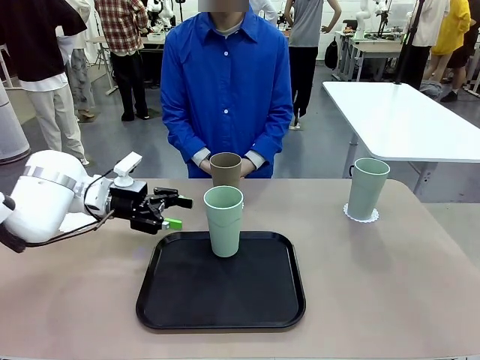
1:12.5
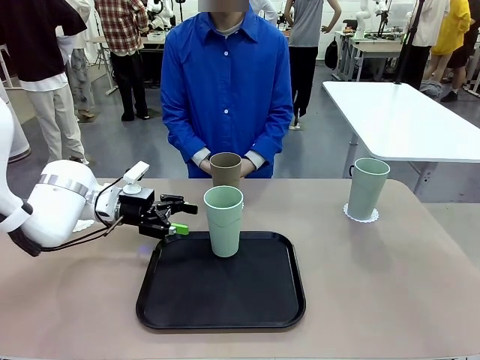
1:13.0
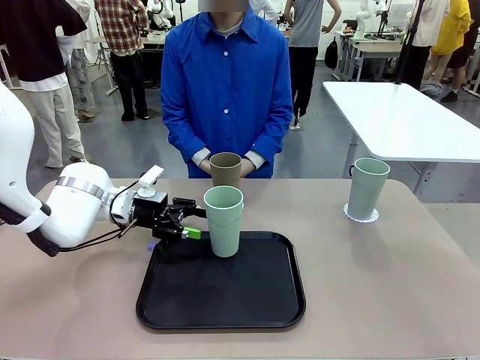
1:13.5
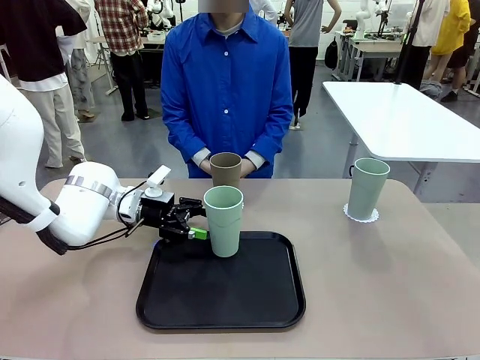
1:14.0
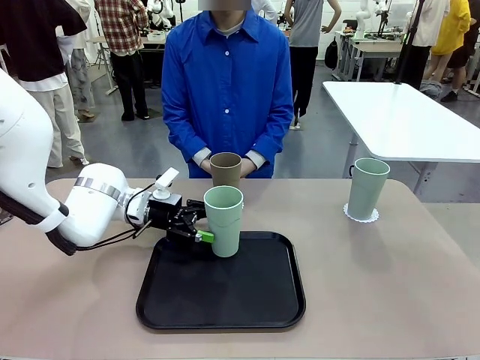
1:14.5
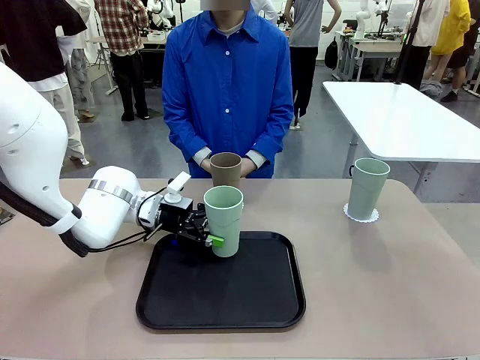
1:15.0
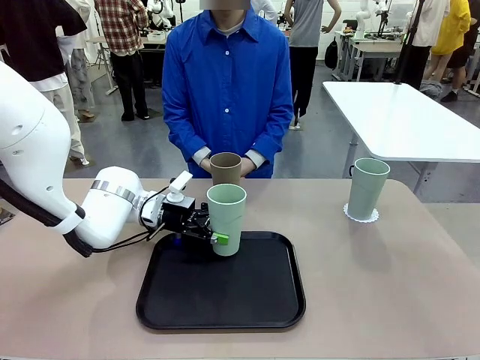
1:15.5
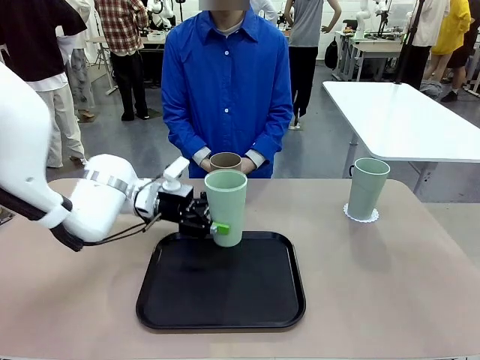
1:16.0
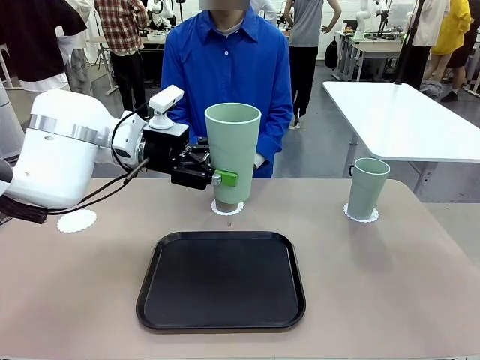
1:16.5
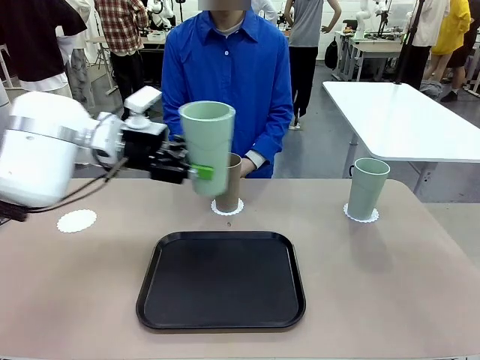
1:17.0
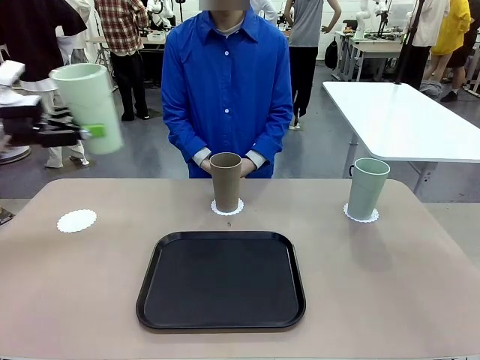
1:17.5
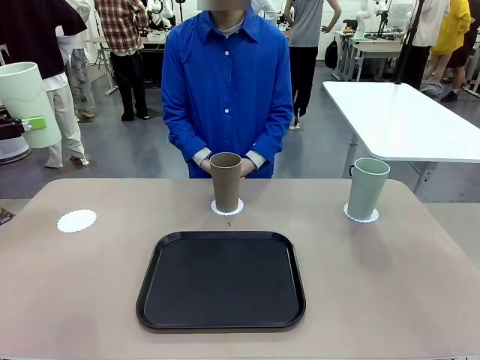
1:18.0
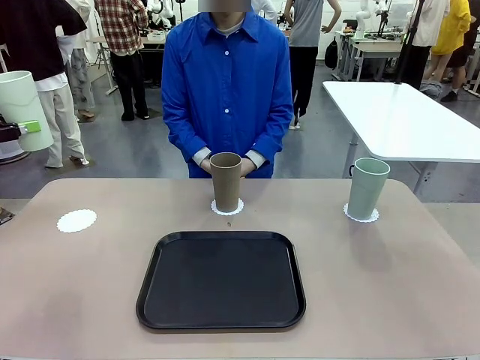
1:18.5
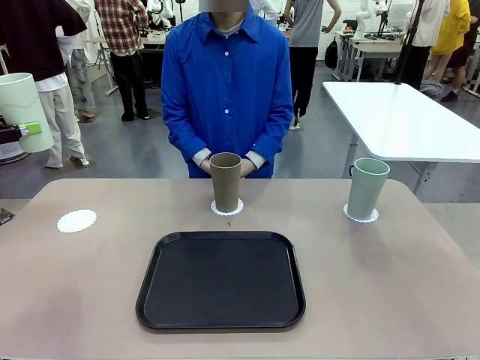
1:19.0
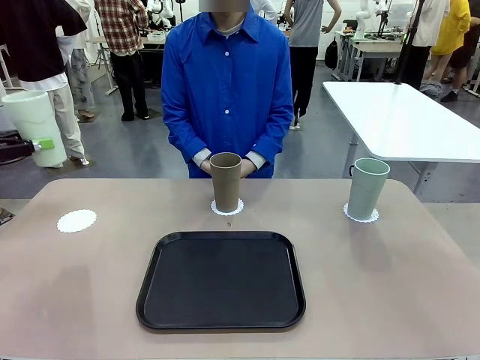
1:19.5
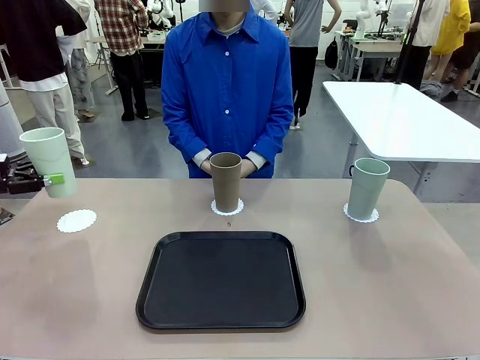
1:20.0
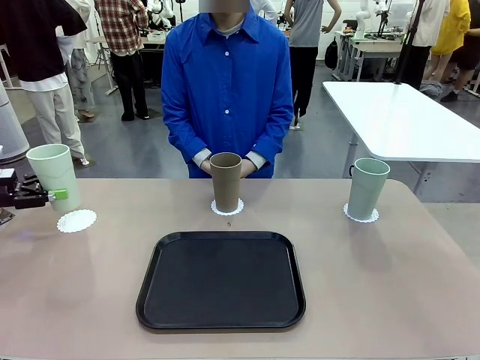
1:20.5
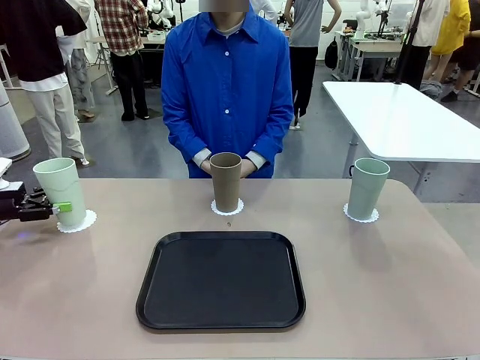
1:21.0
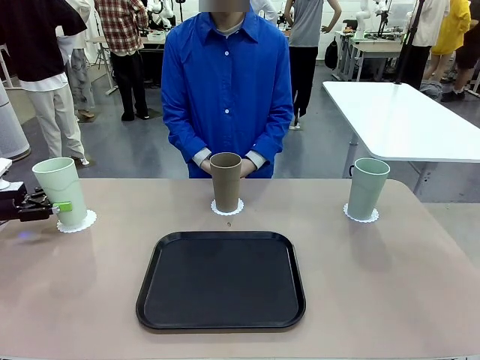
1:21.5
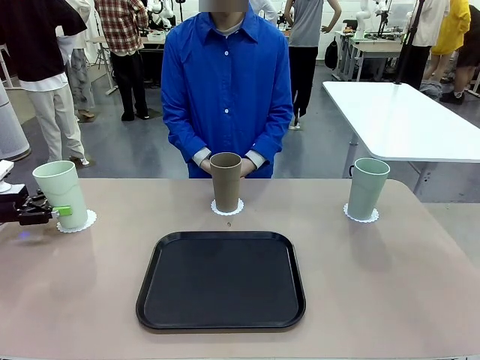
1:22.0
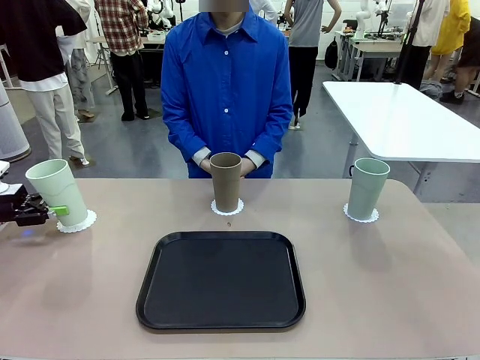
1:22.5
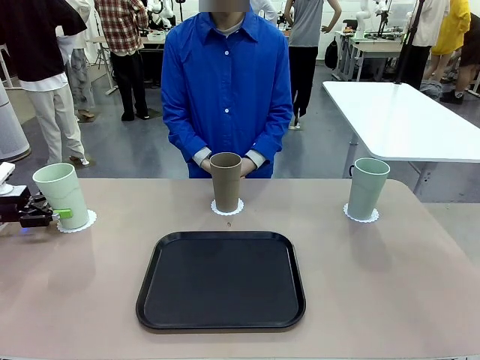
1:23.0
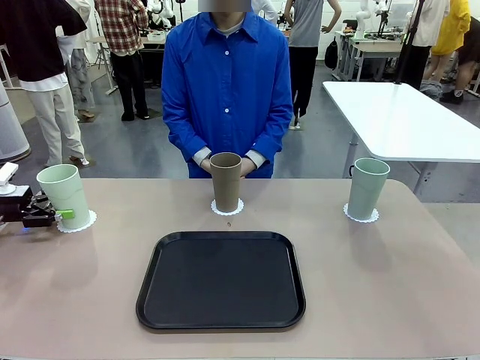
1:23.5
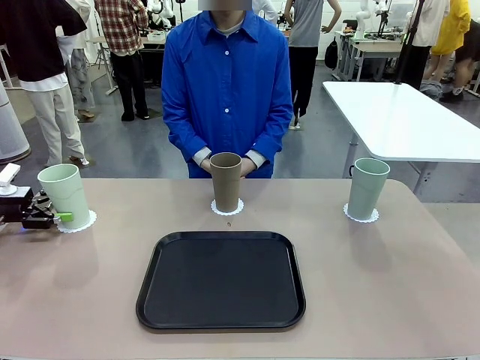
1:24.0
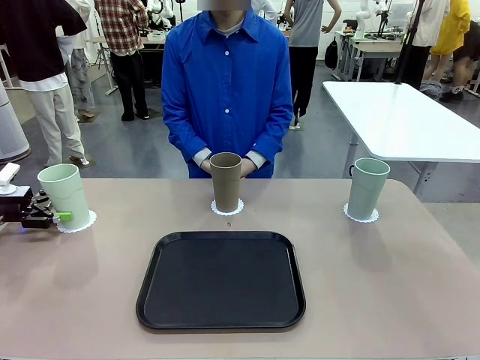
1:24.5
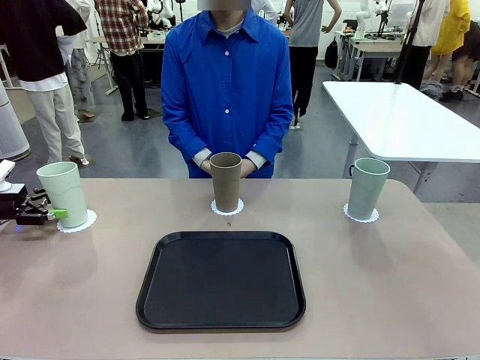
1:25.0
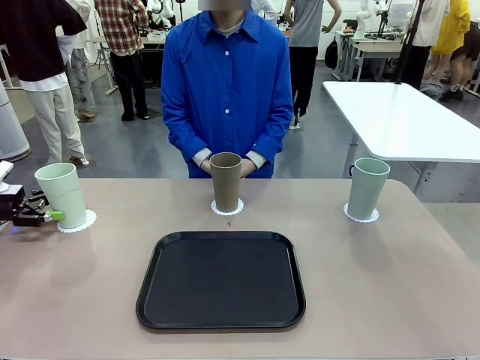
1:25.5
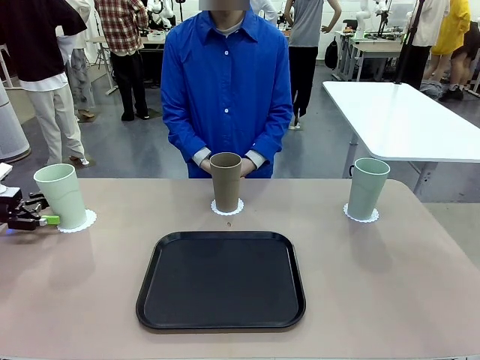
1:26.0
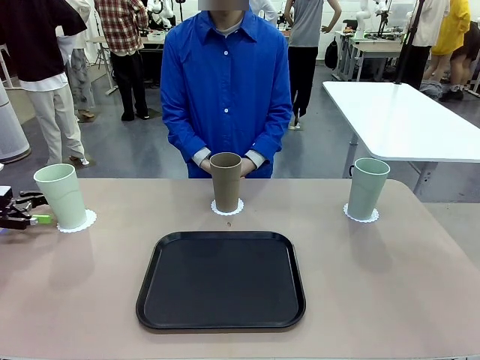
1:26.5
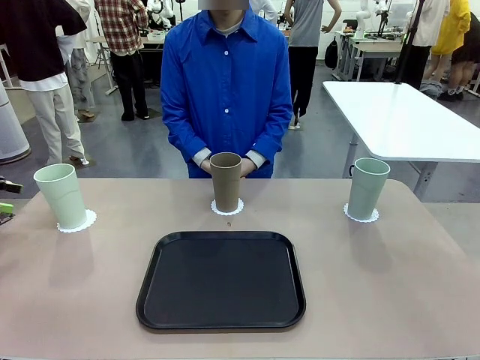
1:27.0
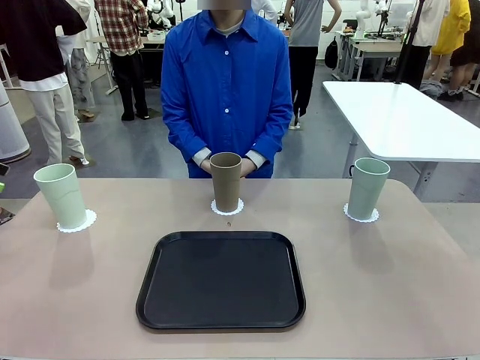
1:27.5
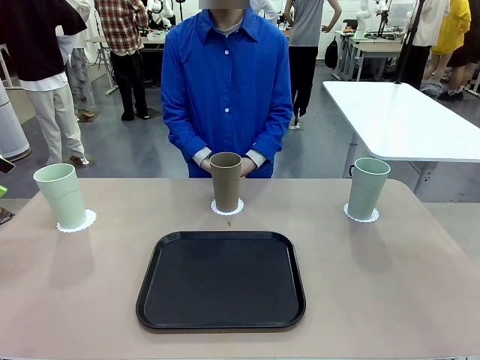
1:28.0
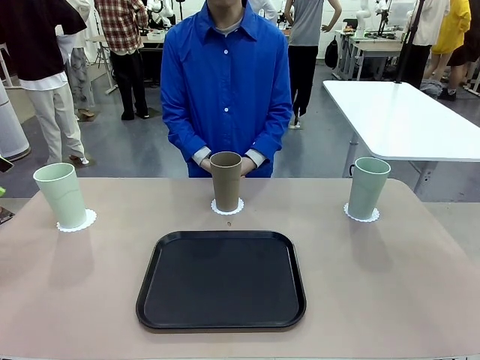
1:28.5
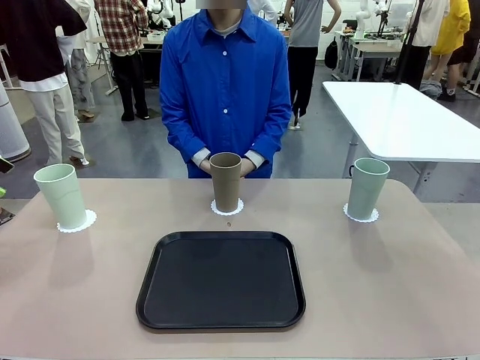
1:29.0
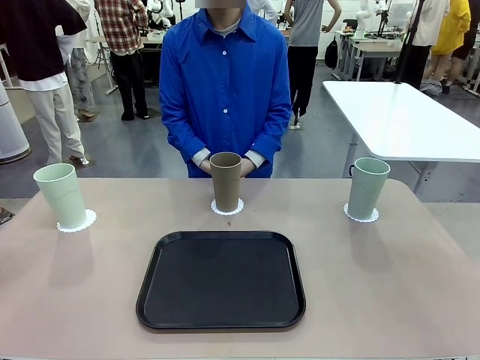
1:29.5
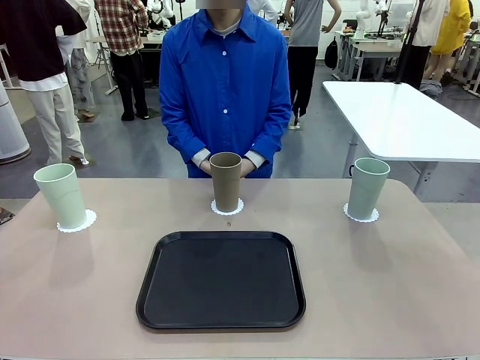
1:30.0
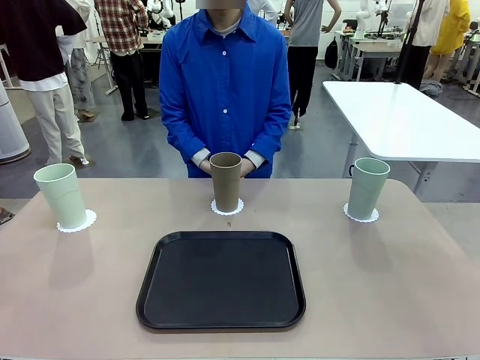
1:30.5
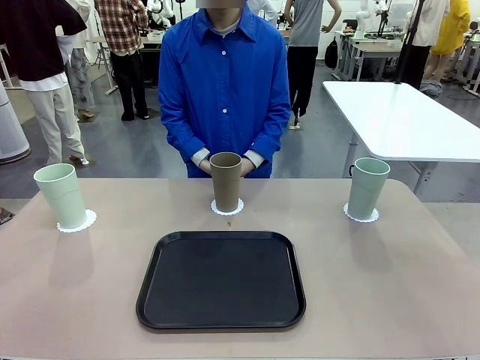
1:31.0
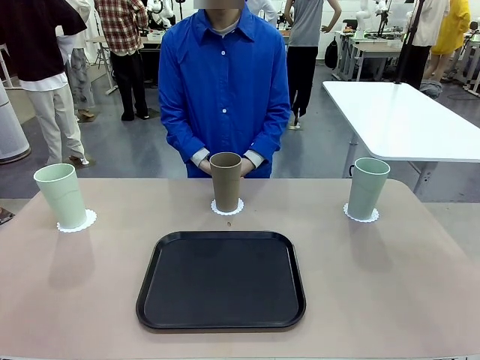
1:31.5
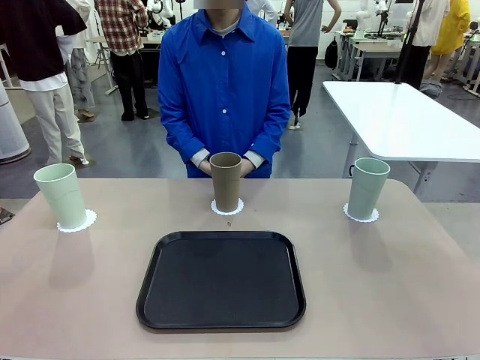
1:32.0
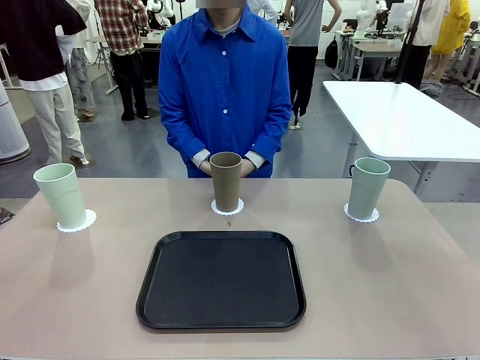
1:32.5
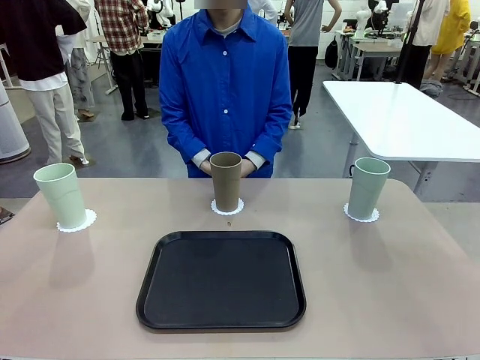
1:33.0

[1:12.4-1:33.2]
Task: Place coasters on the table and set cups on them.
Robot: Take one Reusable plastic cup from the Flat Tray and place it on a coaster set by the human.

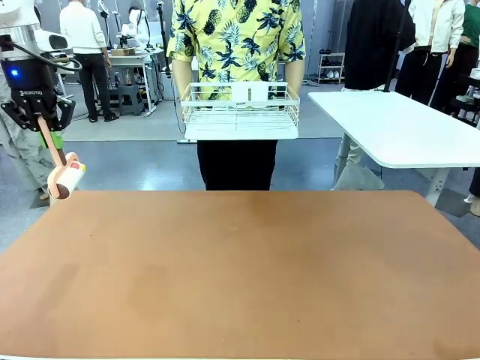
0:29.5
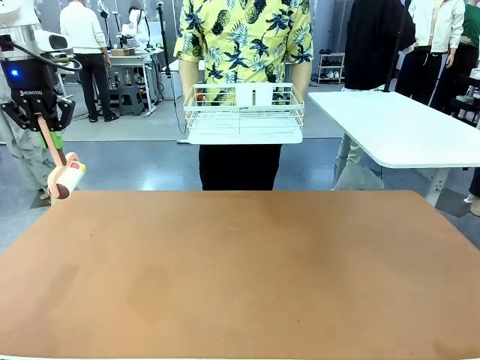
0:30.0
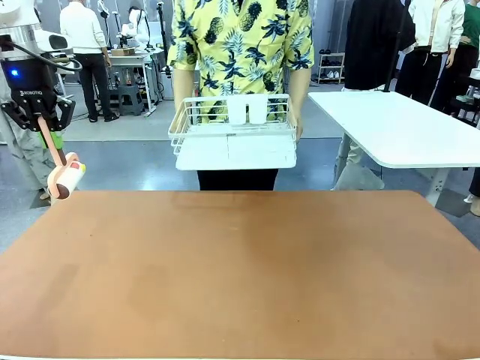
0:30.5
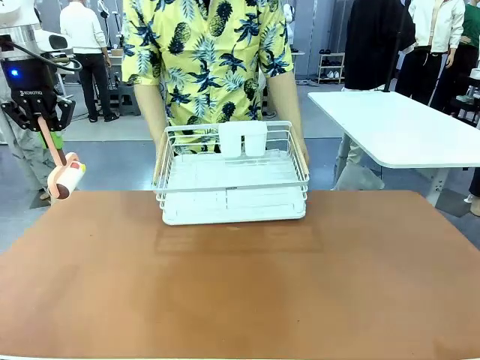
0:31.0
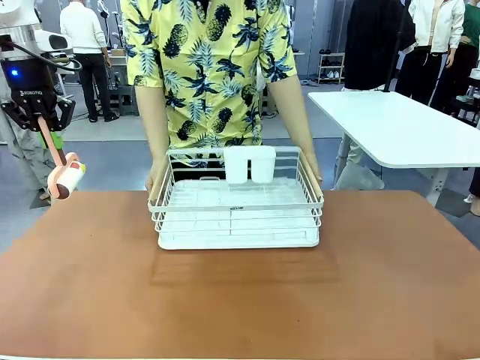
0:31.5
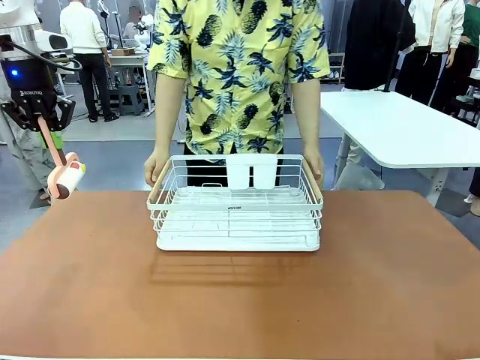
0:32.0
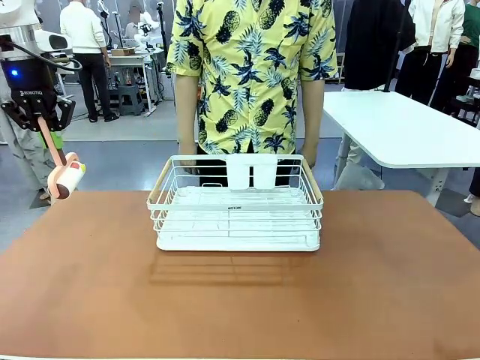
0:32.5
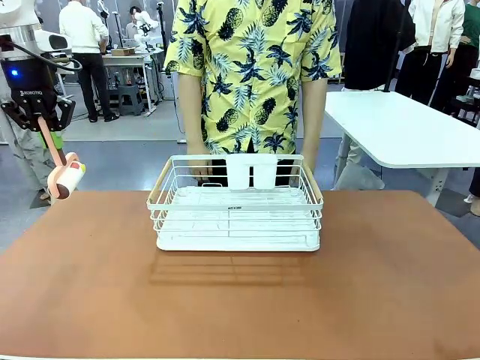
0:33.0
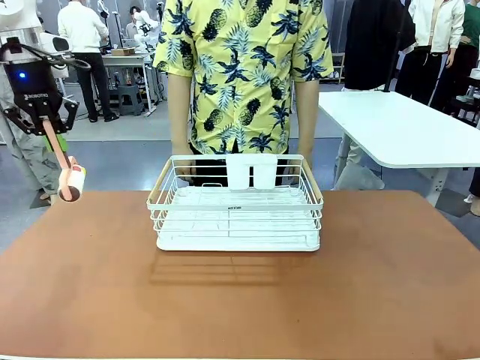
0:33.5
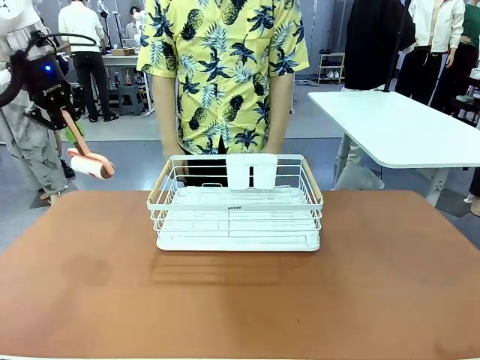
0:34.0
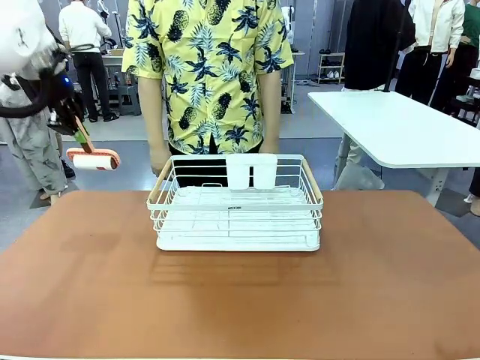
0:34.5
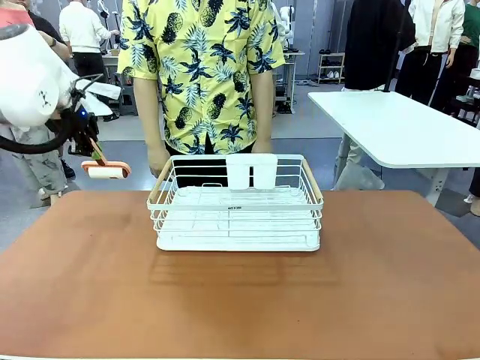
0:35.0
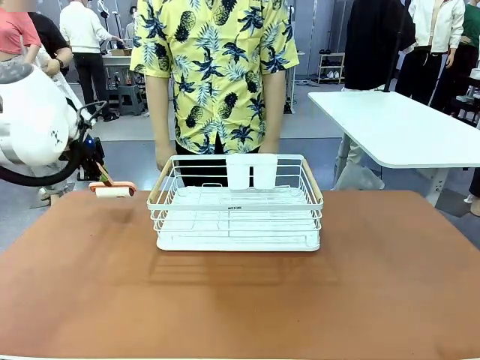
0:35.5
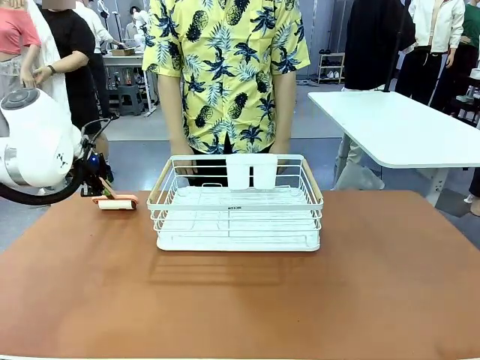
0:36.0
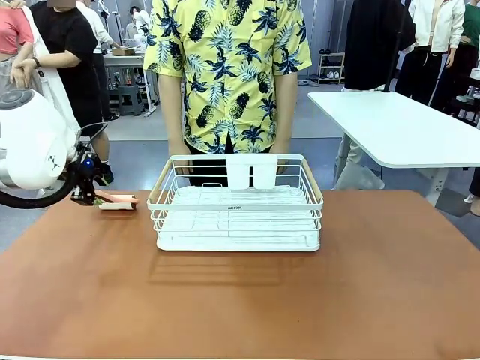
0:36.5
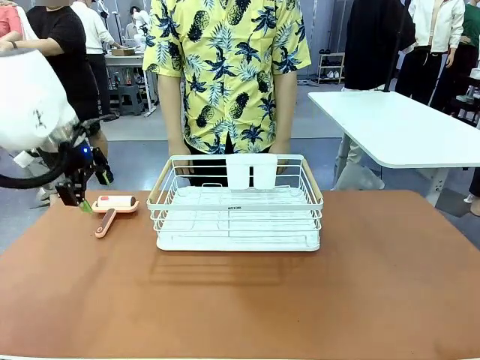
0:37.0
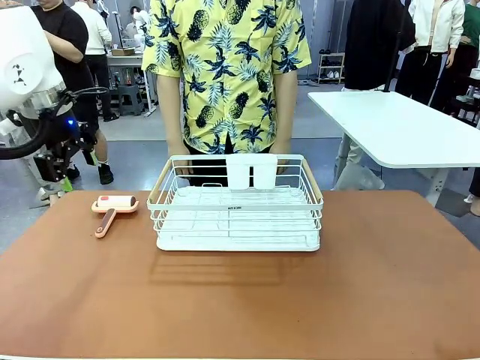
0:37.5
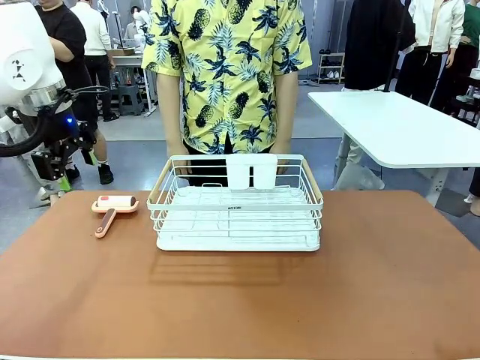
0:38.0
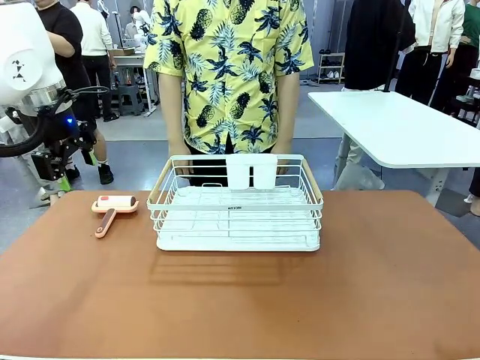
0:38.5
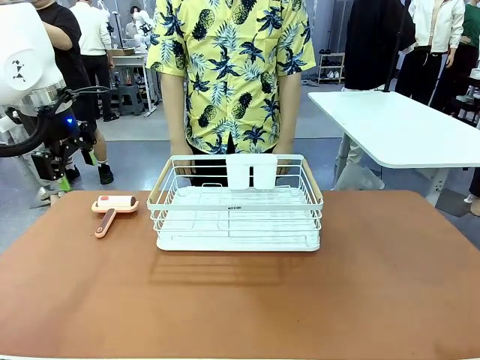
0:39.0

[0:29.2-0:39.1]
Task: Clean the table.
Robot: Place the Lint Roller down when the Dish drying rack is positioned in the middle of the table.
